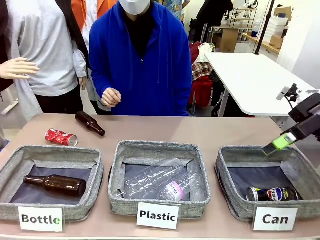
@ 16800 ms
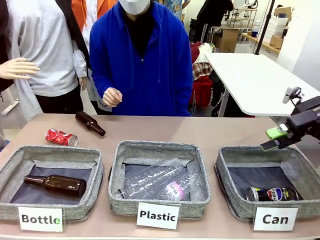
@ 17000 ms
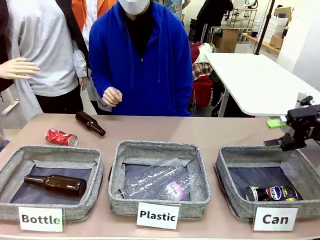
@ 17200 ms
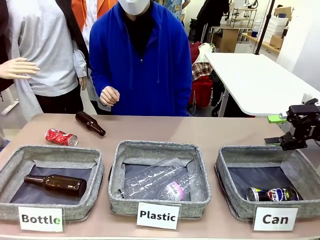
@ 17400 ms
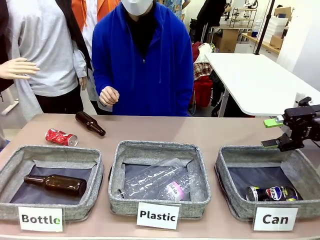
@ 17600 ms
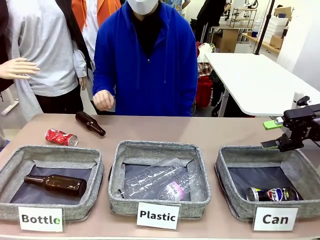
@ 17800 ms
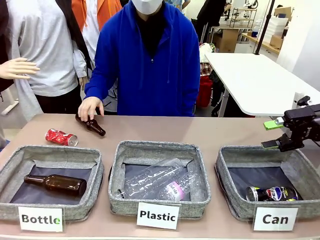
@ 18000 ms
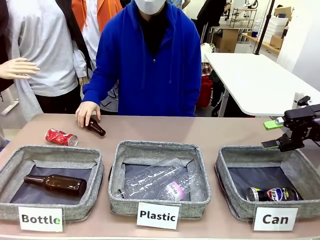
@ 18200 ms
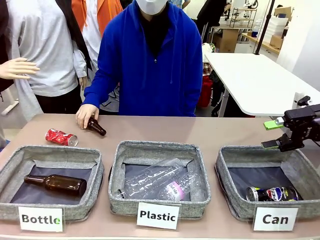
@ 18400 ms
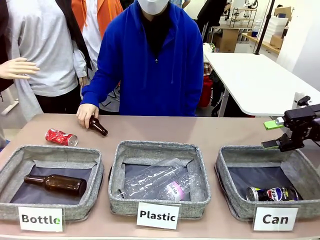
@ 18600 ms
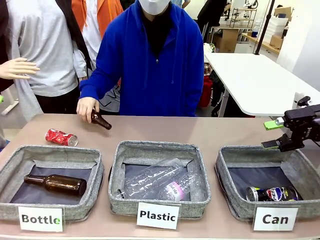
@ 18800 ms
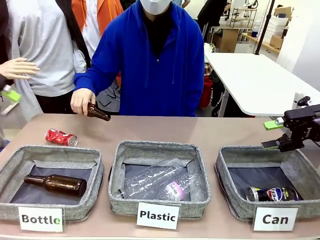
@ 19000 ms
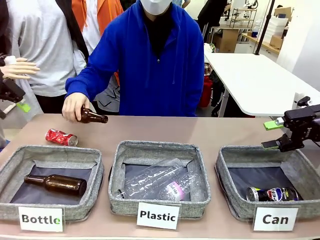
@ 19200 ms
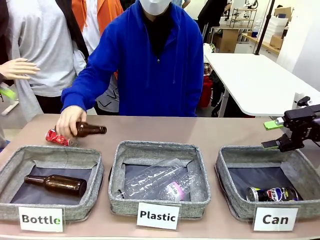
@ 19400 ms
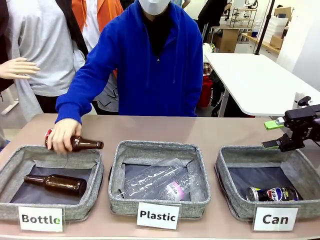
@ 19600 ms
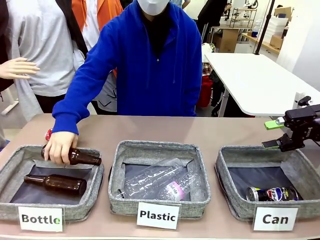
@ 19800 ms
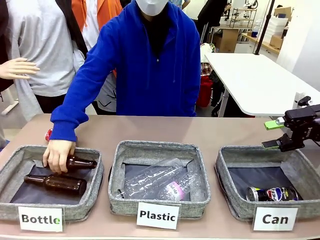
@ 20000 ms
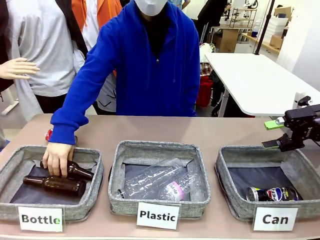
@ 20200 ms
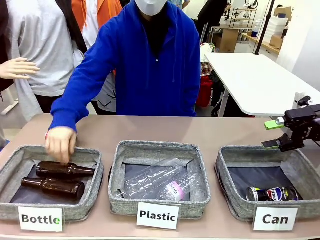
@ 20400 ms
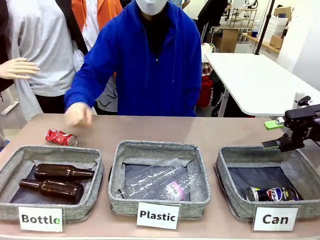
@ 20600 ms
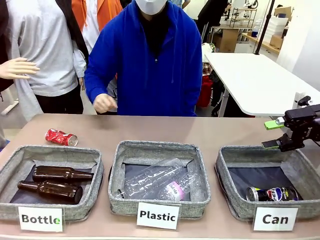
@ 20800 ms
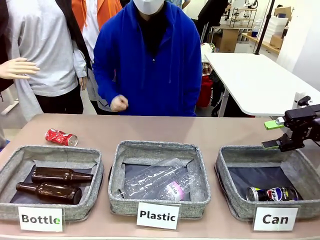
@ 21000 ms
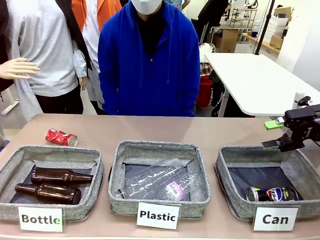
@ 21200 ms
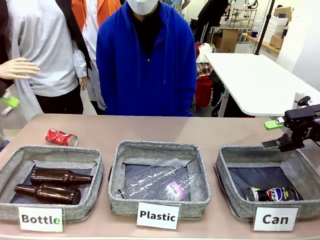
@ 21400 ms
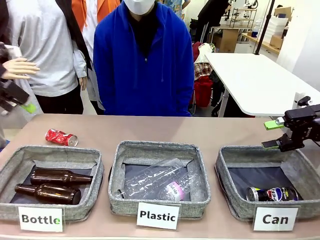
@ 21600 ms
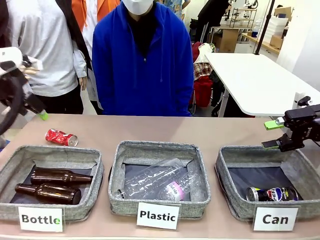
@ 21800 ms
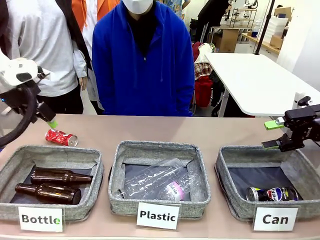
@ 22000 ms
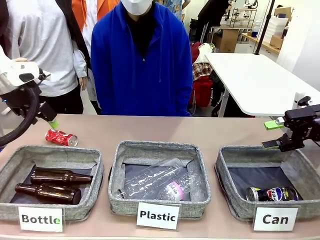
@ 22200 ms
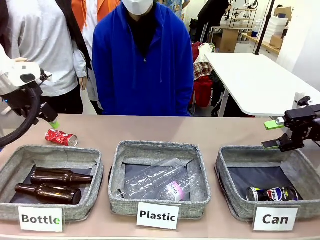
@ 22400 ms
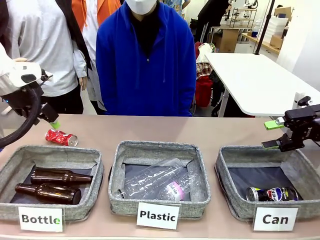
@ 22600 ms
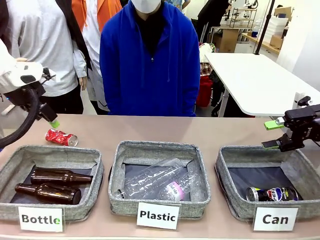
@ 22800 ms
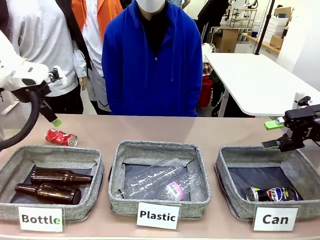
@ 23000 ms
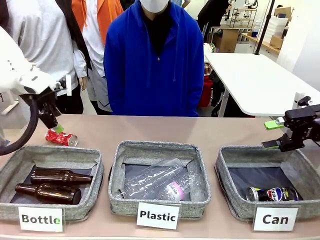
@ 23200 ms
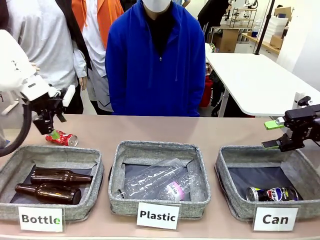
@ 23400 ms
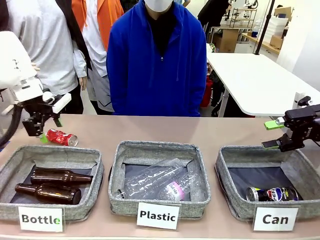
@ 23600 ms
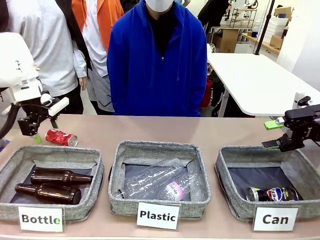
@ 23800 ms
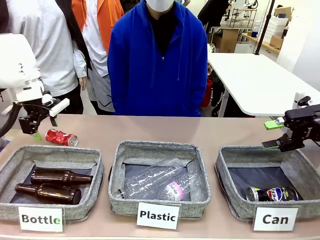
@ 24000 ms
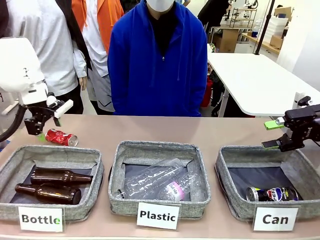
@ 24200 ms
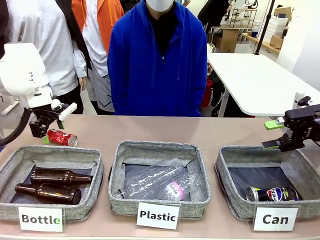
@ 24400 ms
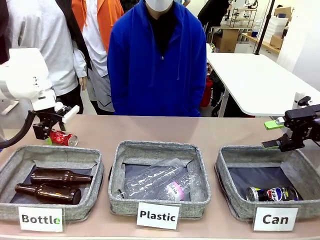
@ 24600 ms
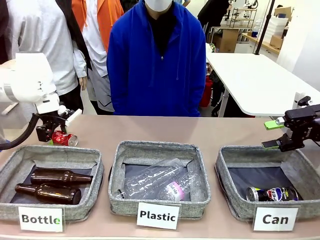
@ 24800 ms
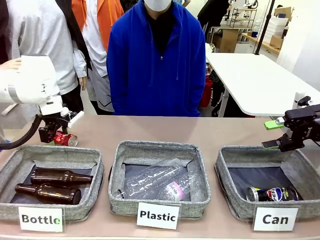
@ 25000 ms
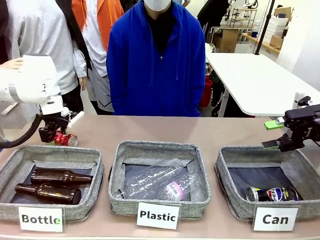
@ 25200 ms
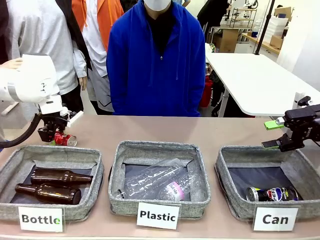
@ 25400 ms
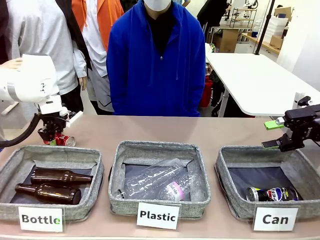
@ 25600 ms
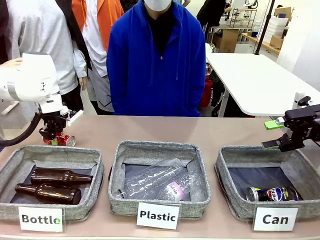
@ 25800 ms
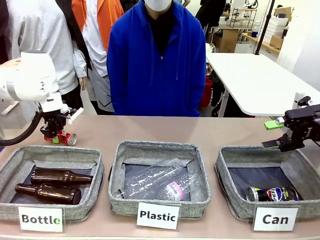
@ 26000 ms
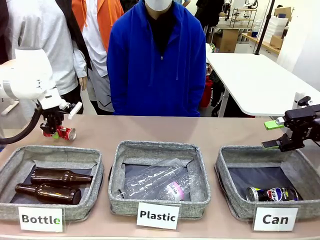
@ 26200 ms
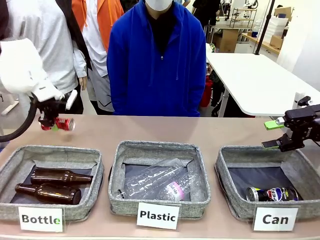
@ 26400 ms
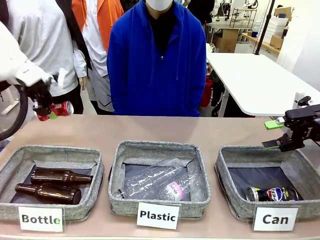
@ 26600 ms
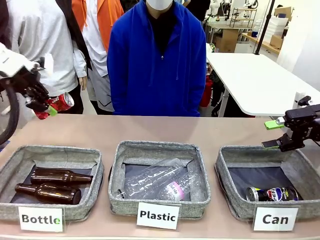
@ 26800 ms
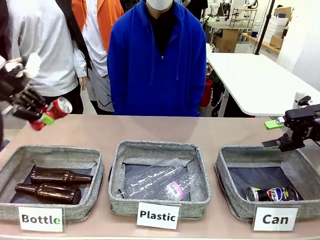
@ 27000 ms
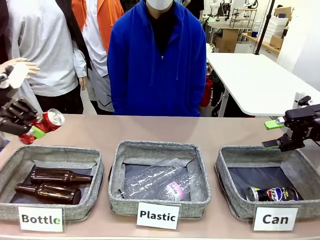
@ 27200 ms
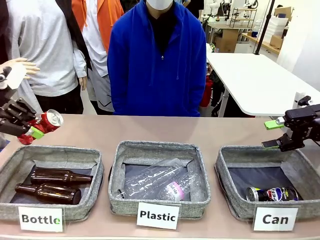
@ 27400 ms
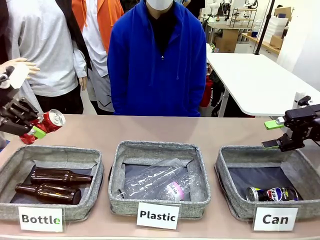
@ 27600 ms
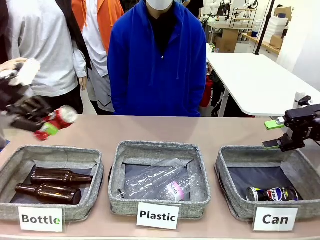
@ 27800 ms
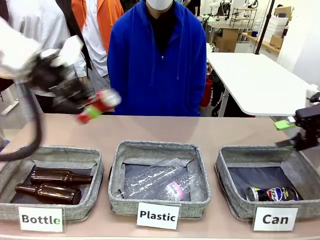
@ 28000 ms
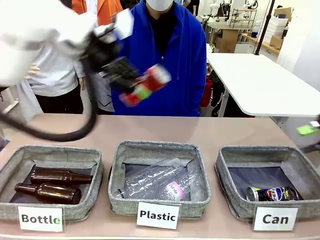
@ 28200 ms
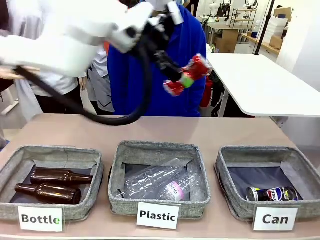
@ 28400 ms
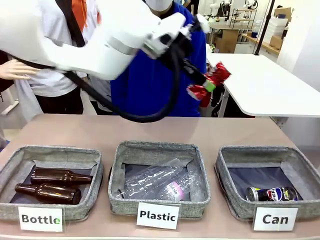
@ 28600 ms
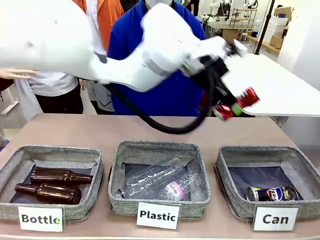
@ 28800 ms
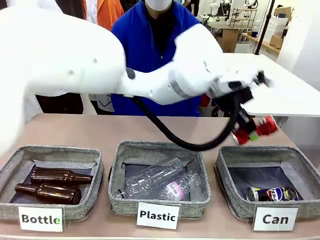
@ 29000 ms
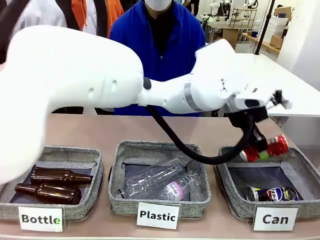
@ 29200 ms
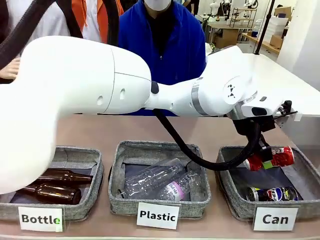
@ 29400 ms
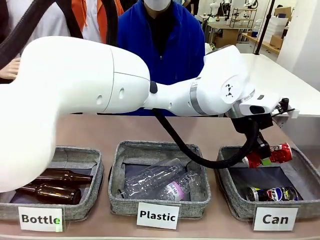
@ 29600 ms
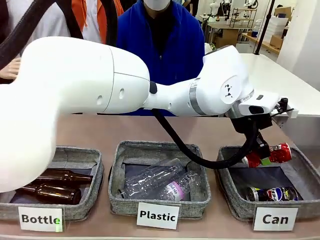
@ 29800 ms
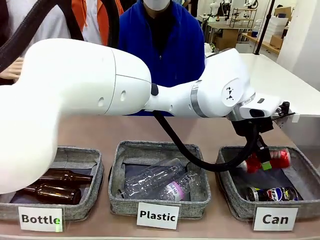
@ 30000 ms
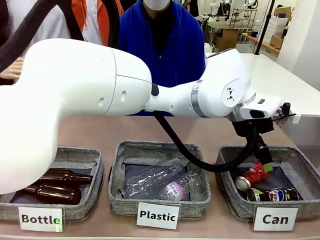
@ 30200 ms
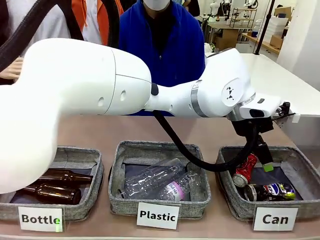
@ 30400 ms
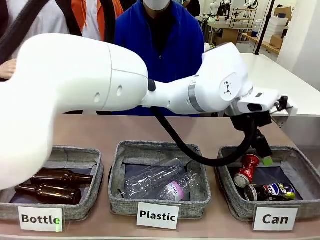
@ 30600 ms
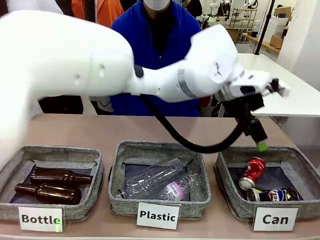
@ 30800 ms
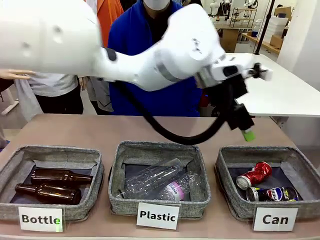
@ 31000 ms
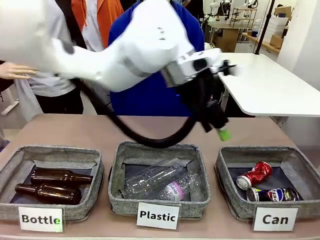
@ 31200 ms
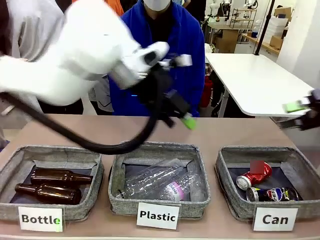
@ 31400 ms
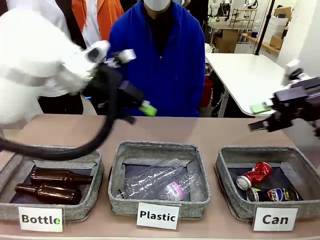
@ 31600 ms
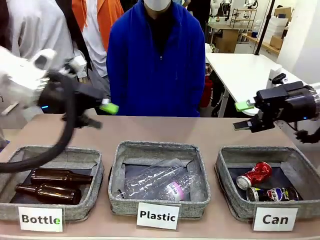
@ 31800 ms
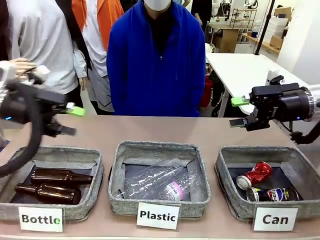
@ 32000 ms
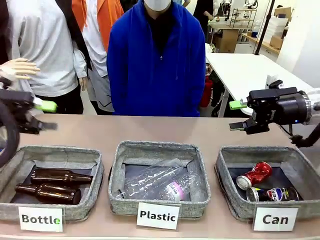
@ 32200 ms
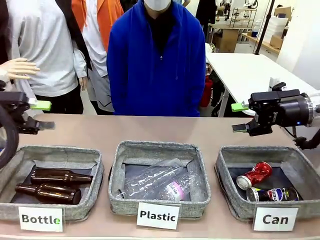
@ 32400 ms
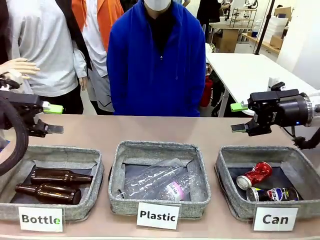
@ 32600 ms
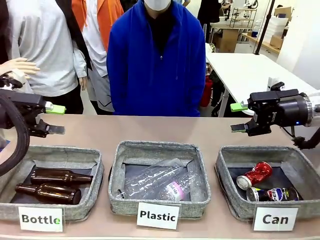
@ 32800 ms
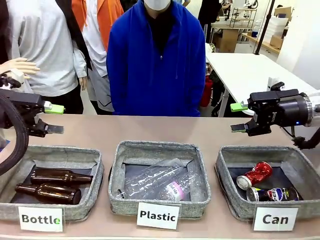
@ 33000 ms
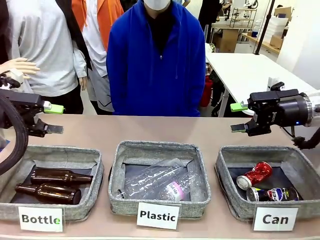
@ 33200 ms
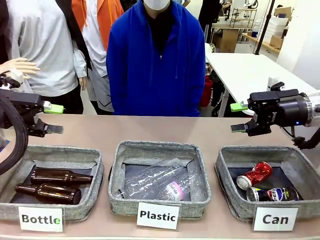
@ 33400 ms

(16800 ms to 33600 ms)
Task: Sort the can waste into the basket.
Robot: Pick up the can waste from the table and place it in the right Fabric basket.
